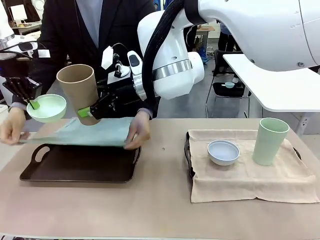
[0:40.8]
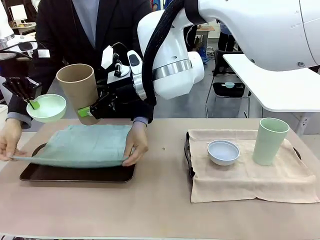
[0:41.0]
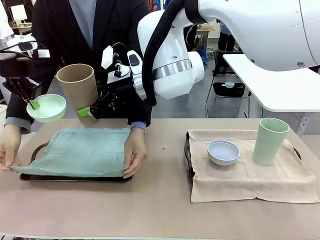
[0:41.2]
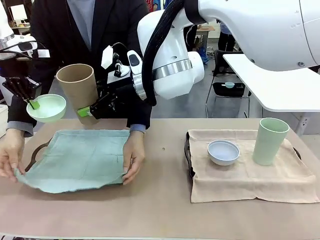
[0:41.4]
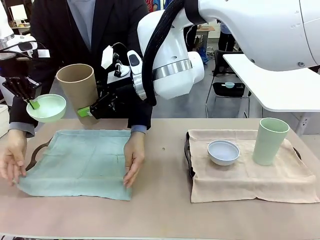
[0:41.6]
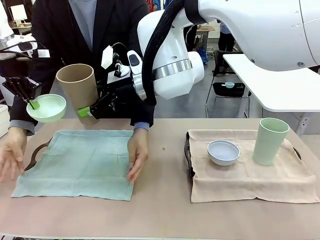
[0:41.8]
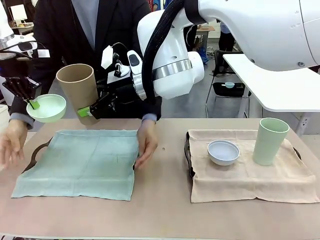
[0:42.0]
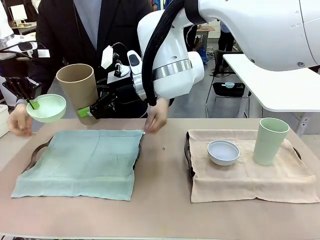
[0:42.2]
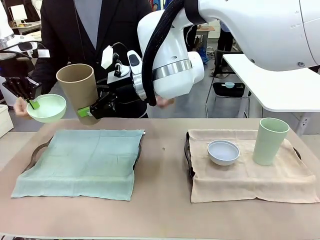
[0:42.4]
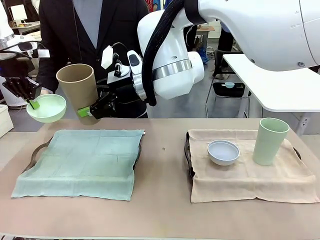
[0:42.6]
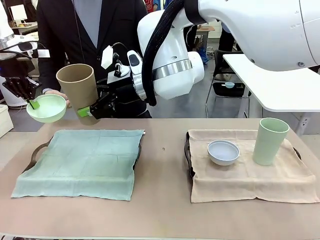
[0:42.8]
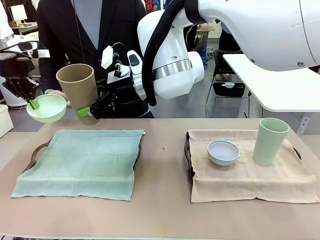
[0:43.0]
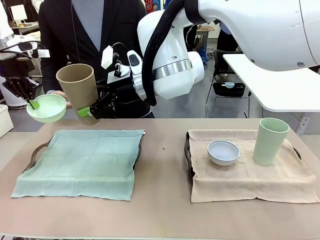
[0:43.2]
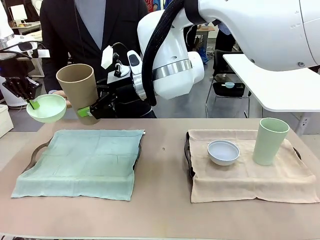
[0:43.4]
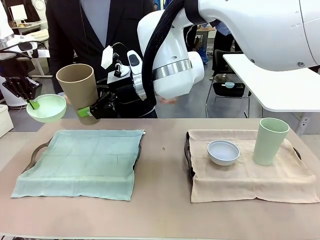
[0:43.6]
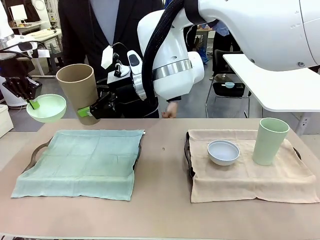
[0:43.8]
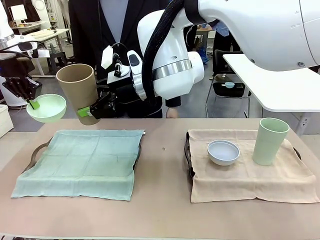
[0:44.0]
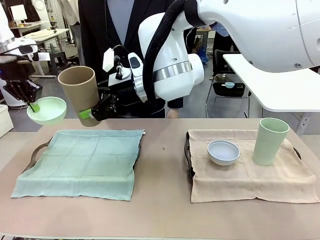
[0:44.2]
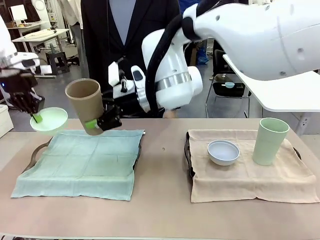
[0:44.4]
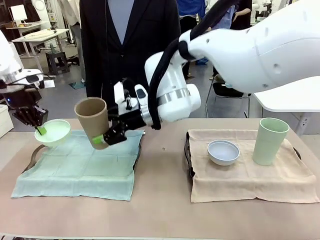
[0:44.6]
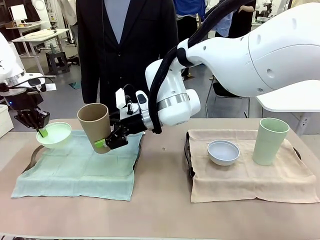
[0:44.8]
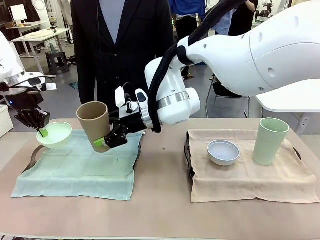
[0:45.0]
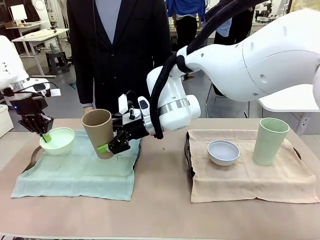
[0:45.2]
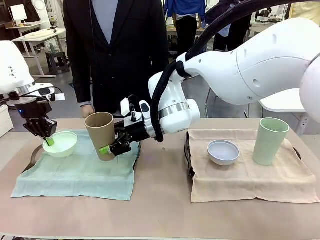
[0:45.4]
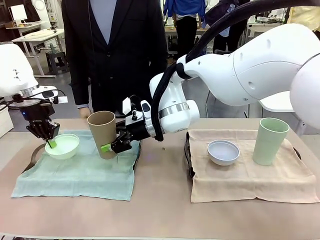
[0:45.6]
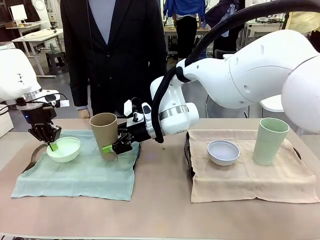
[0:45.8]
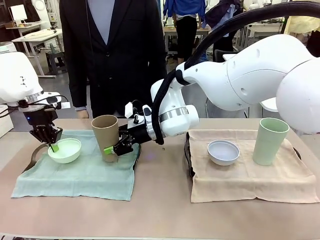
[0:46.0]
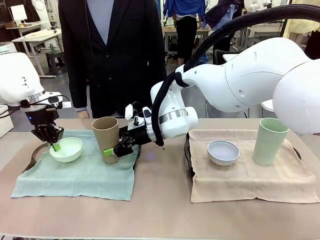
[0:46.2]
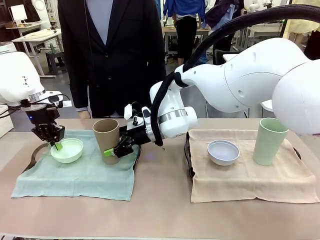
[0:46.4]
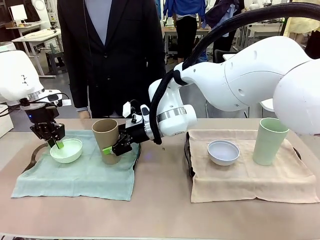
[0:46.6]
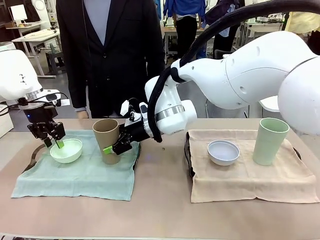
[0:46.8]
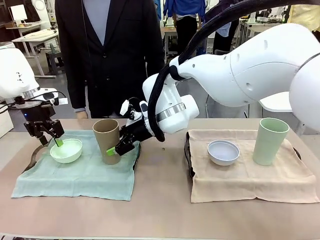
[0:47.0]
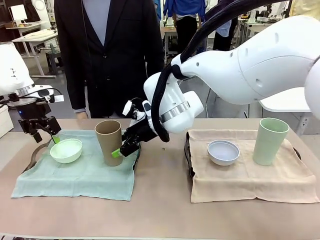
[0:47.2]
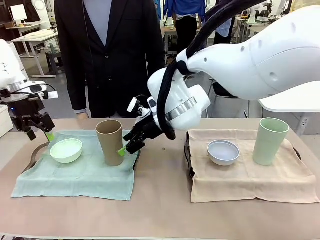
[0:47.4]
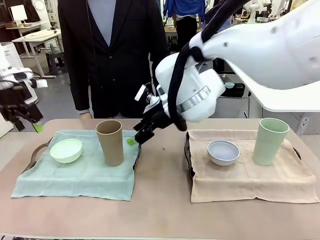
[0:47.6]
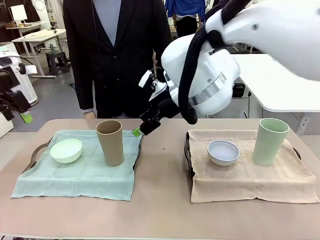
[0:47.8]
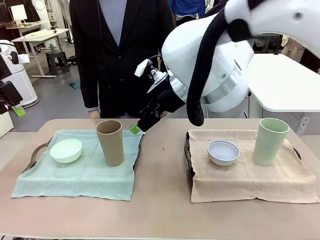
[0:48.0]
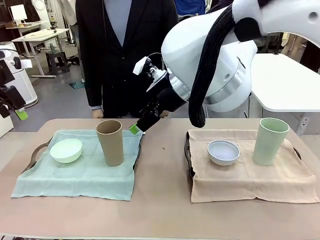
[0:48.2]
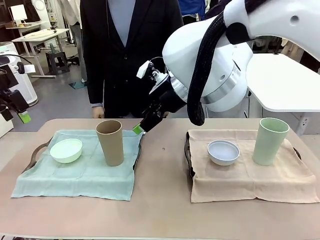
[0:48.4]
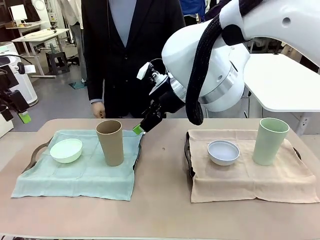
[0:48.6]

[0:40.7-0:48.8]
Robot: Place the Picnic Bowl and Reusable plastic cup back onto the Handle tray in front of the human's position.

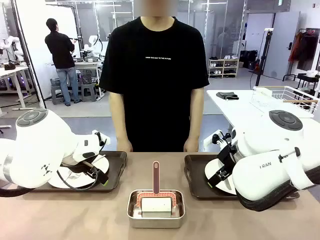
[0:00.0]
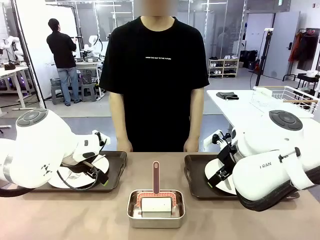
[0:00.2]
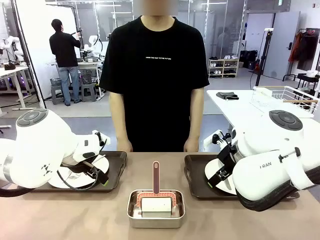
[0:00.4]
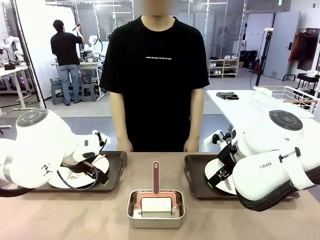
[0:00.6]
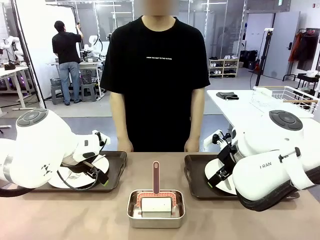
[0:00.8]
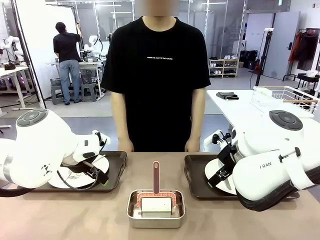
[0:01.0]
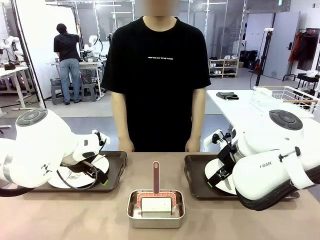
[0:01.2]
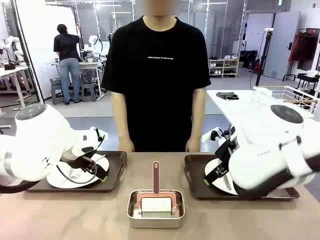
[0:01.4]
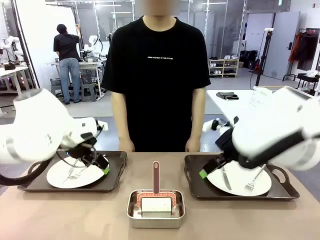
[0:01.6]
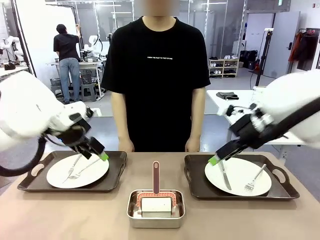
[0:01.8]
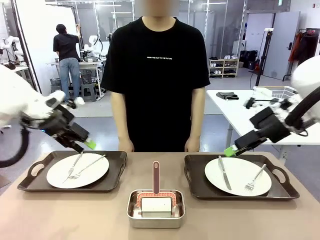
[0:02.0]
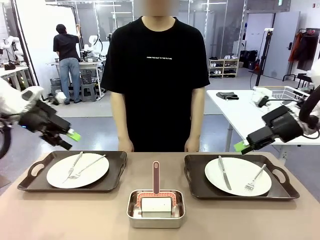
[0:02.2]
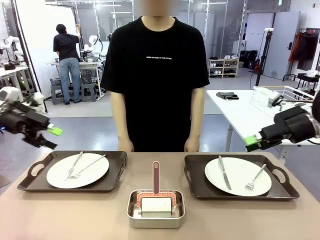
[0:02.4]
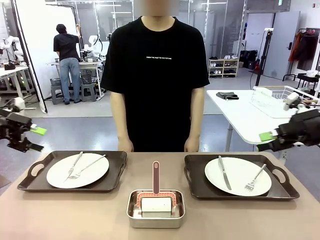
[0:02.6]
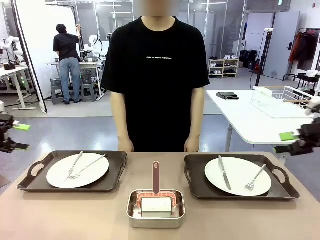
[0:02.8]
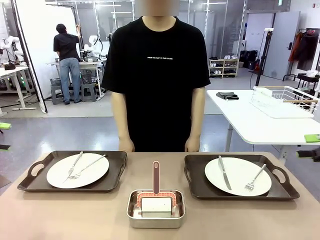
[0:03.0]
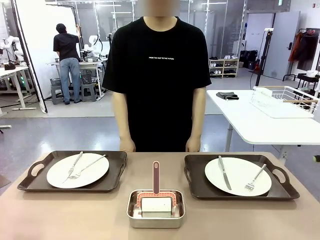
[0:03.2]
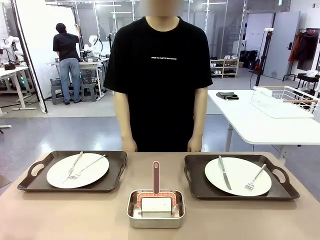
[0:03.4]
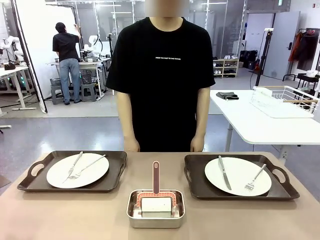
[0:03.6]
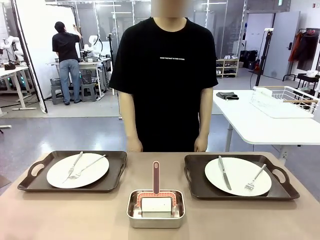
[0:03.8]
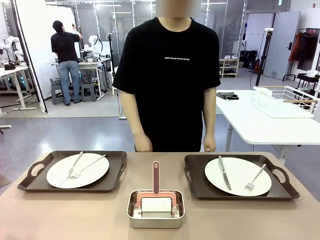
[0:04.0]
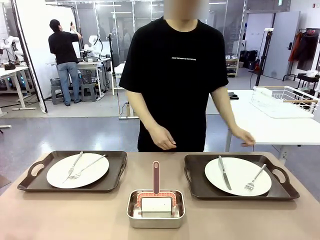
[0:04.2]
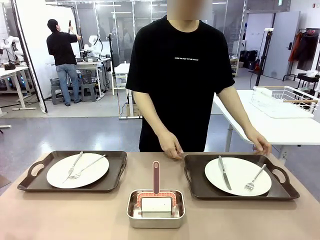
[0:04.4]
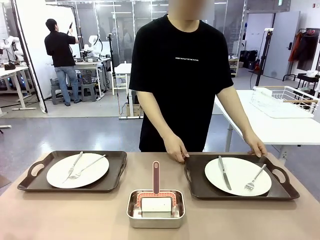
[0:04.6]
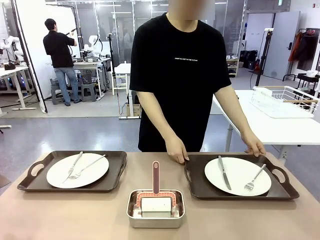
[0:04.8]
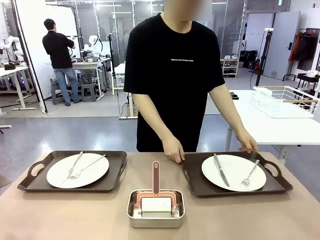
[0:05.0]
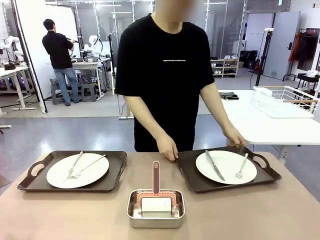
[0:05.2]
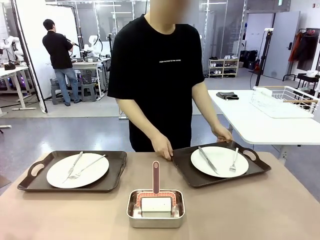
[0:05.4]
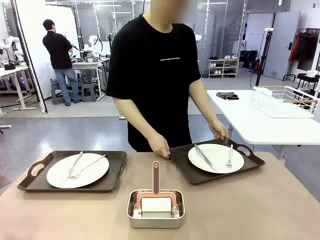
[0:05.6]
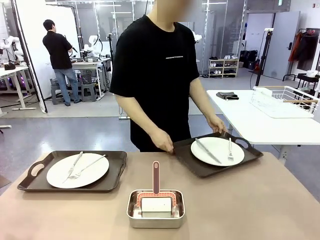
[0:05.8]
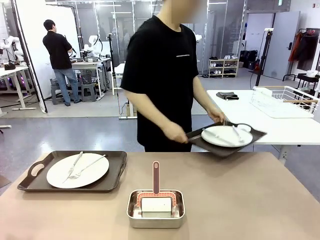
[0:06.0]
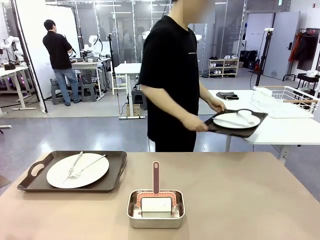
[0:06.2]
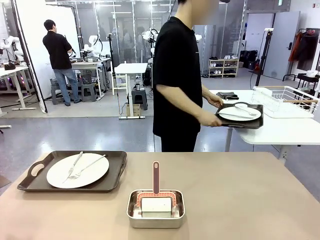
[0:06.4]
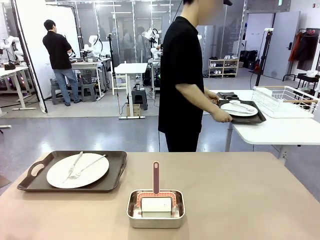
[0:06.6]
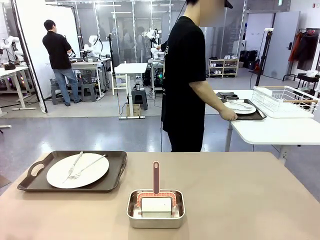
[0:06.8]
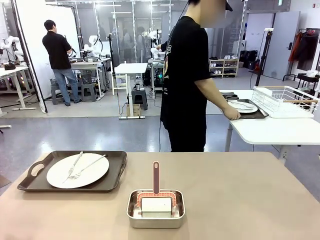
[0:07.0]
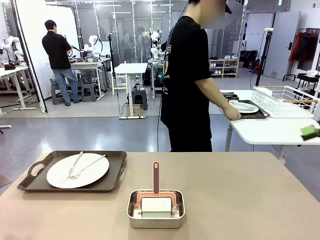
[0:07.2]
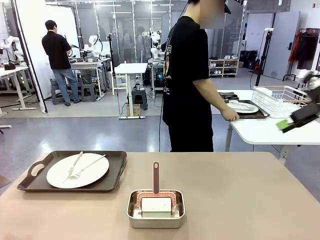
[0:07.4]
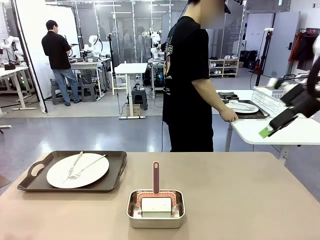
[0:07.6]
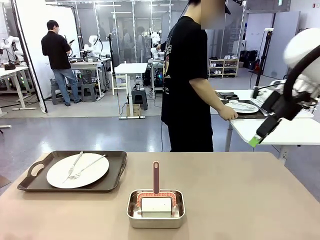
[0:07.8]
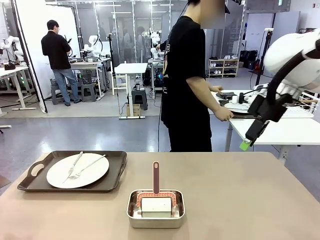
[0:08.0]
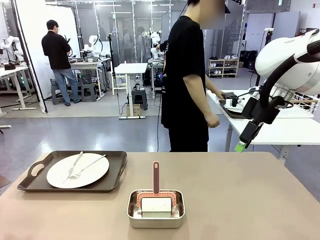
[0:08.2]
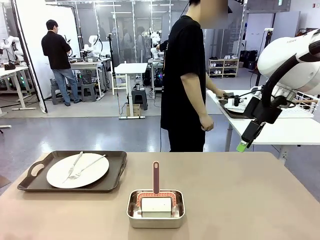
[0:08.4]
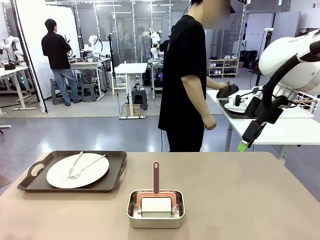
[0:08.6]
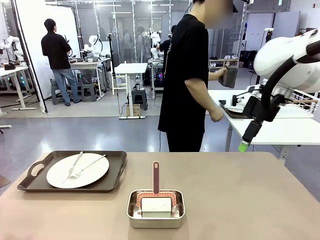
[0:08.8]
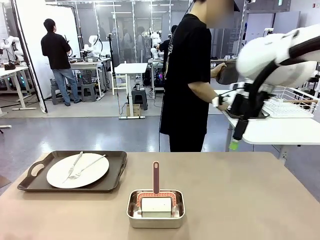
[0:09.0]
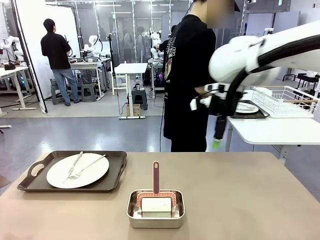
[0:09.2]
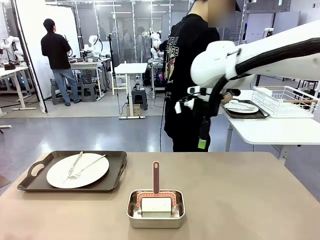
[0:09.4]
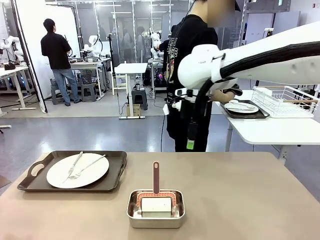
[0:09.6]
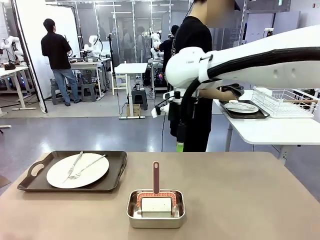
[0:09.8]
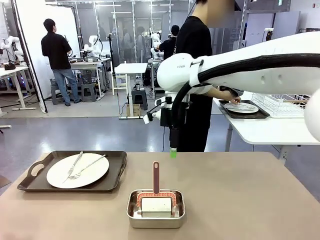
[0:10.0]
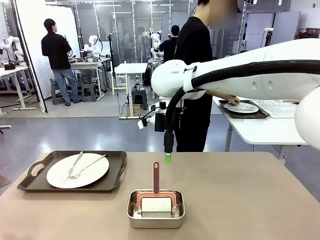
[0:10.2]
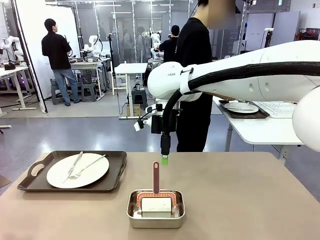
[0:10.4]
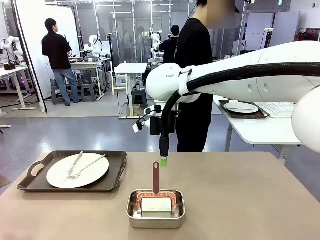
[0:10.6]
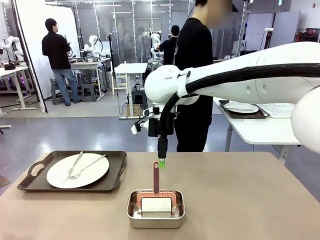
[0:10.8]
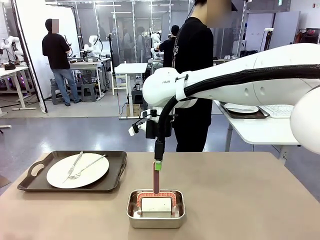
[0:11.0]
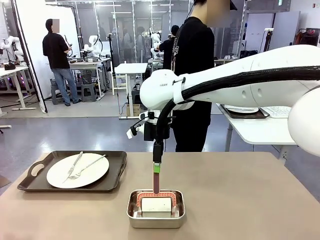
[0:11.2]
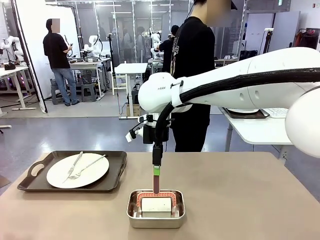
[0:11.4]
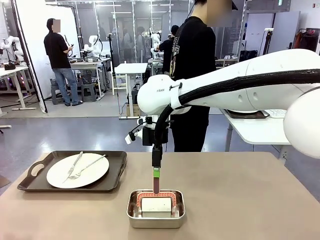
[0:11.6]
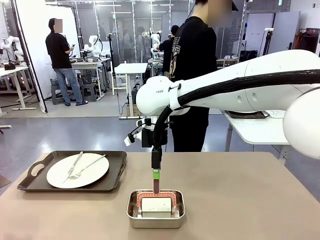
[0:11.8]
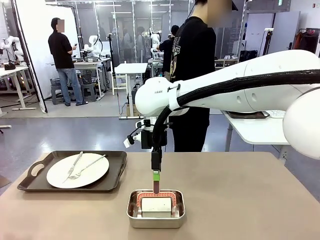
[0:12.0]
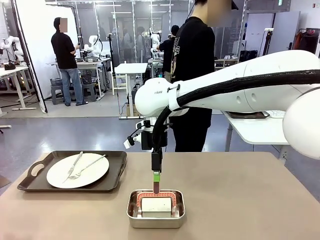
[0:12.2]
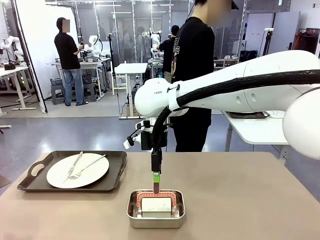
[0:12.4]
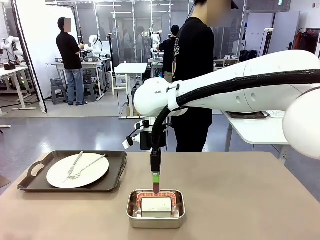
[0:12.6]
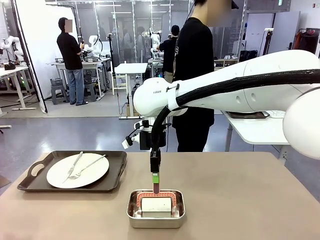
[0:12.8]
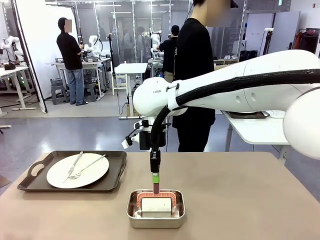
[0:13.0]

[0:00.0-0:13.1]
Robot: When the left (or right) Handle tray is removed, use the left hand (or right hand) to clean the left (or right) side of the table with the Lint Roller.
Person: Pick up the left (or right) Handle tray and place it on the middle of the Human's table.
